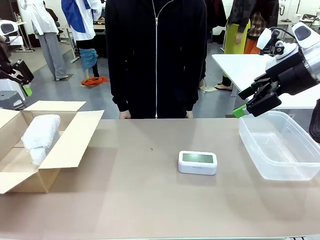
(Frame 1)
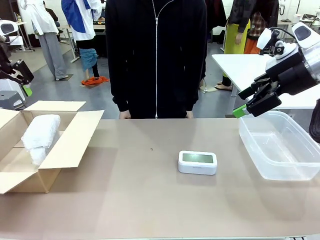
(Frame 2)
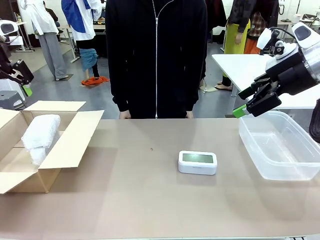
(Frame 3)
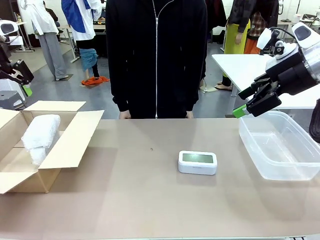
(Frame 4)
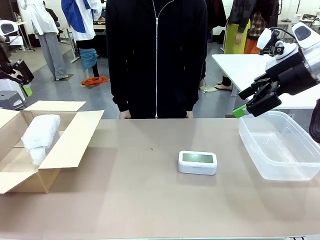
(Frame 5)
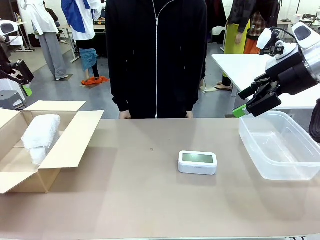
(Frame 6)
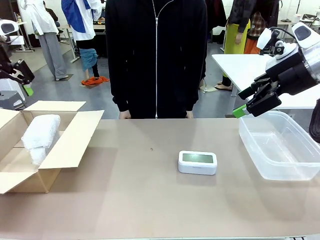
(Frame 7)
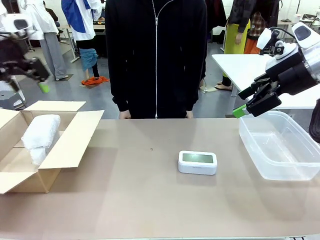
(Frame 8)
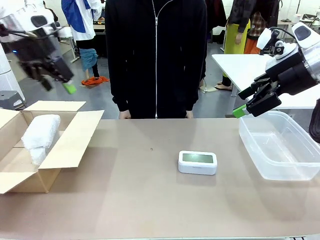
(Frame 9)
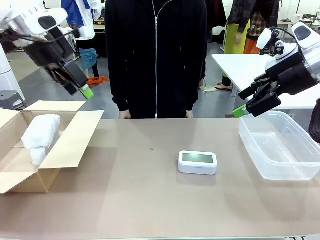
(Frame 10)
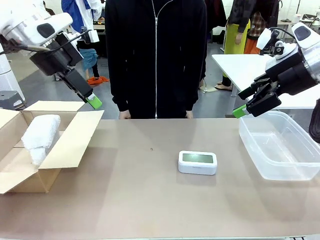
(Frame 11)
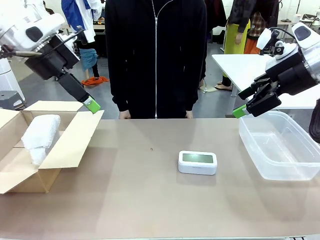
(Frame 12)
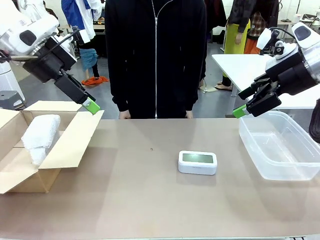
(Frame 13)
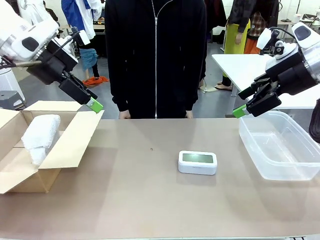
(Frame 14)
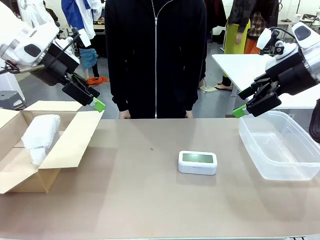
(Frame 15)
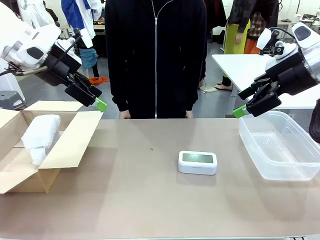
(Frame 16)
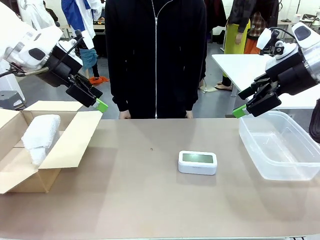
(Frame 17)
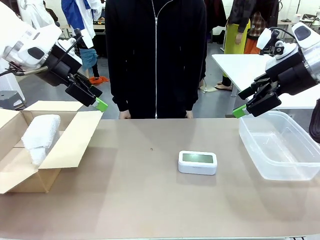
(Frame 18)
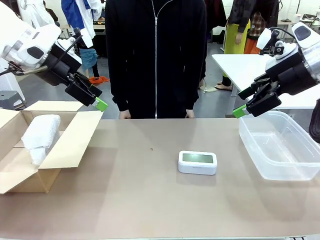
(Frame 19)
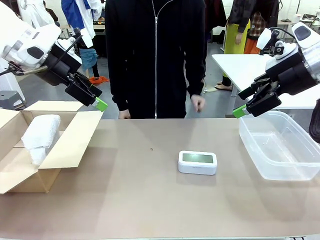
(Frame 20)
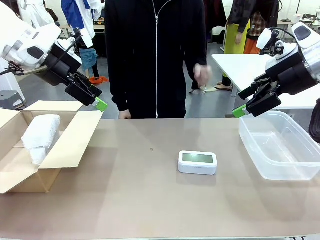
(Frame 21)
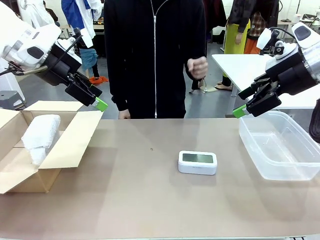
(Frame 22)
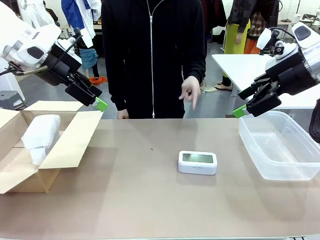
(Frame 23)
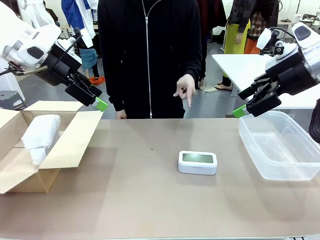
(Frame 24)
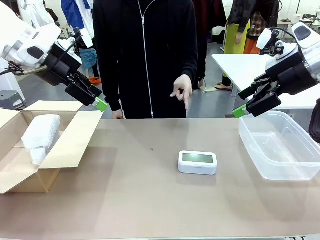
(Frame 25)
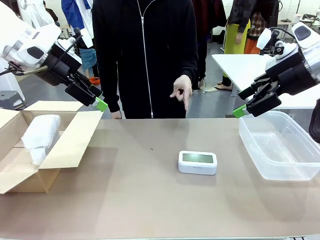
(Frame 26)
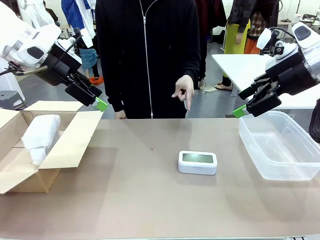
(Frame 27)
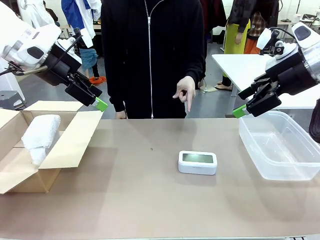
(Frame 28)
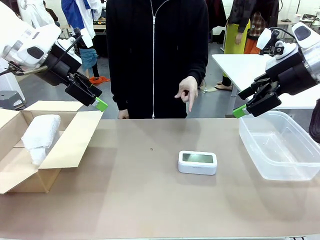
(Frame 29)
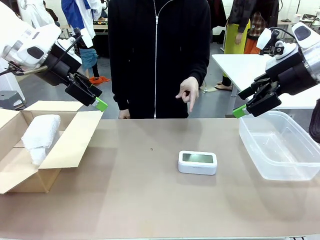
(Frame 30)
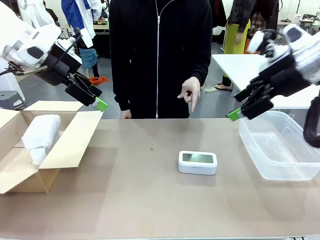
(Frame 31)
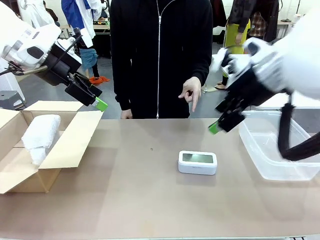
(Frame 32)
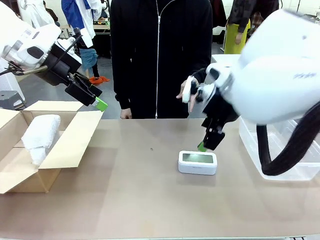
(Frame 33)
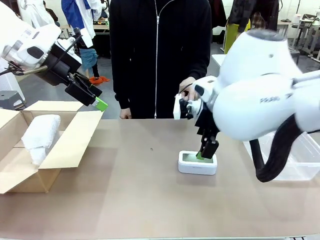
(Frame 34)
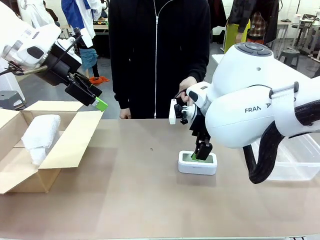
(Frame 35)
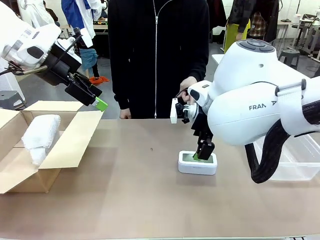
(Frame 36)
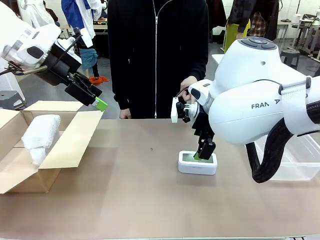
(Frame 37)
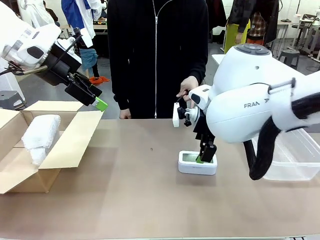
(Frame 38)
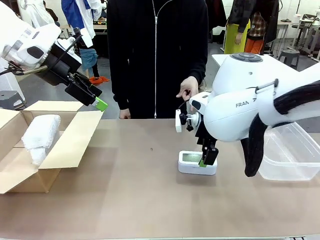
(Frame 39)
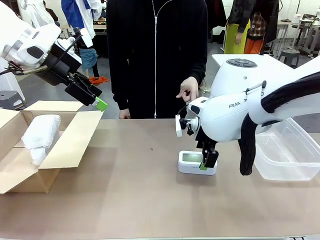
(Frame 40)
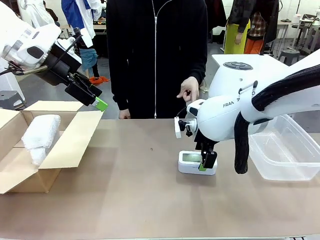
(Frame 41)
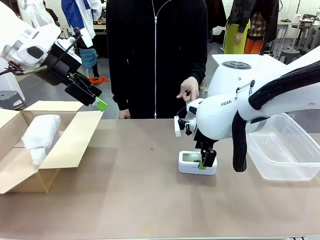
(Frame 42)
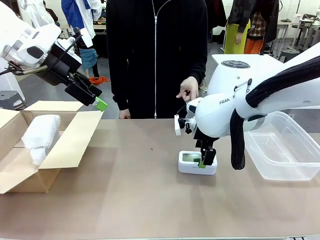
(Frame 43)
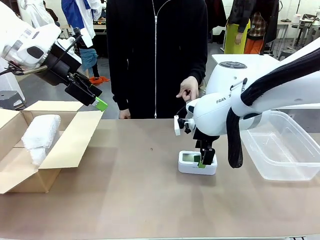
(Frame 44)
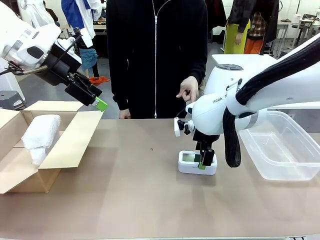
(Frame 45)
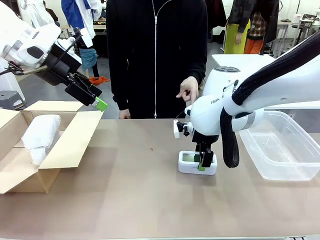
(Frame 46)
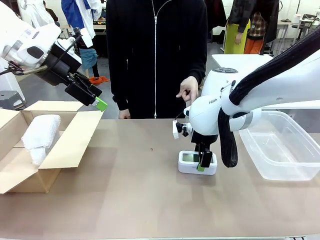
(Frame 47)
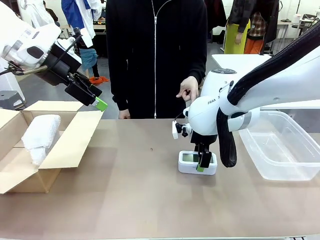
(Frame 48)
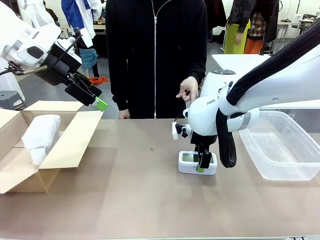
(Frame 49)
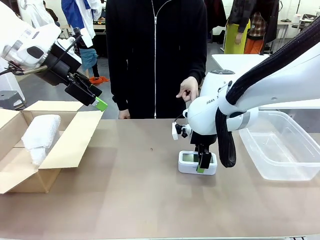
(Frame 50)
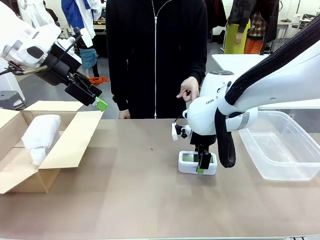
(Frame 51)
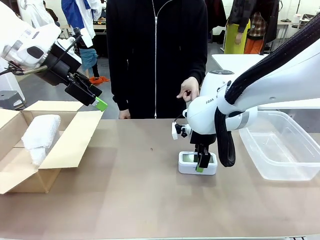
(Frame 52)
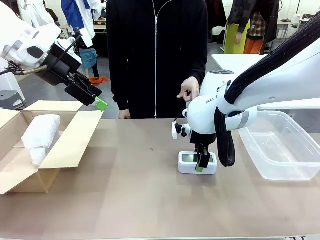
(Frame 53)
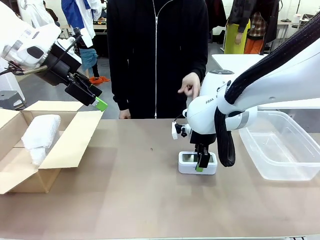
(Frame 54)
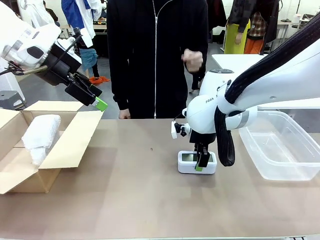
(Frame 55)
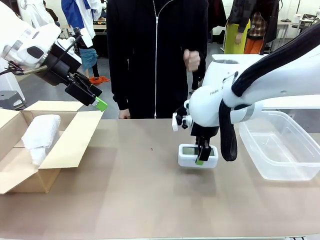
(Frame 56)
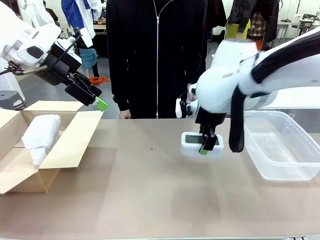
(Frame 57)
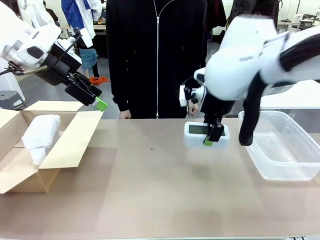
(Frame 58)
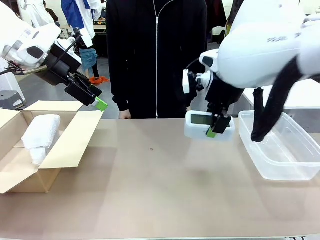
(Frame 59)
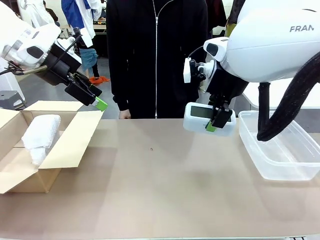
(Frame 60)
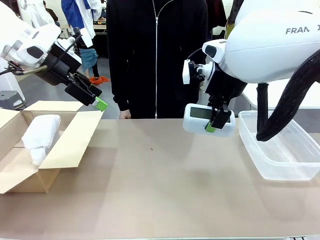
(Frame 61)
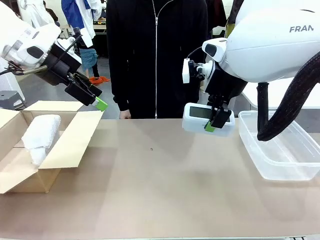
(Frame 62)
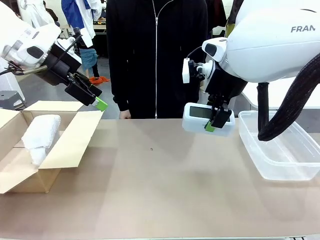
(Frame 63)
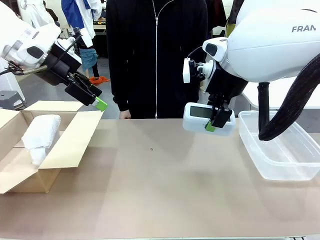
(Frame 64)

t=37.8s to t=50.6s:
Task: Separate and place wrapped and unwrapped clocks.
Robot: Pick up the Digital clock indicated by the person.

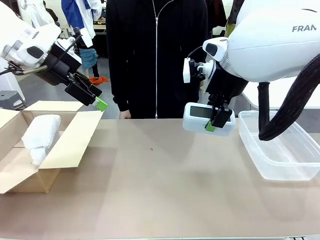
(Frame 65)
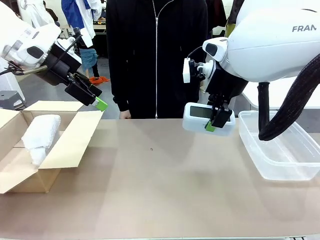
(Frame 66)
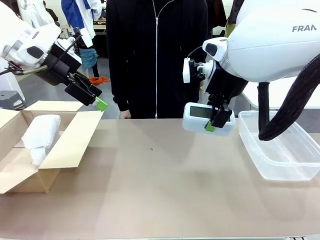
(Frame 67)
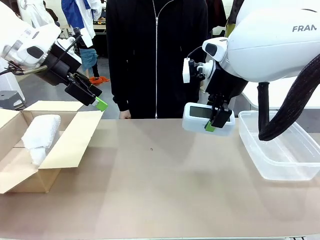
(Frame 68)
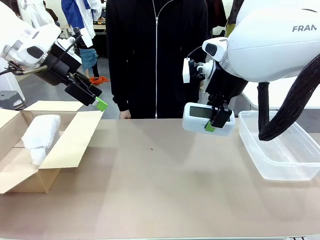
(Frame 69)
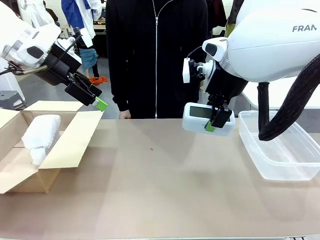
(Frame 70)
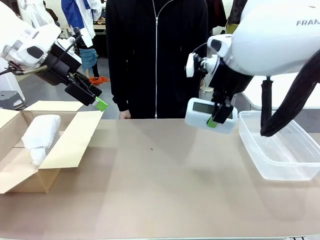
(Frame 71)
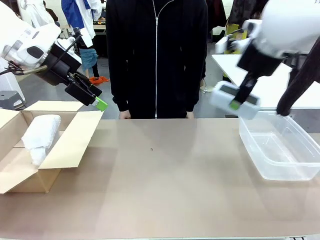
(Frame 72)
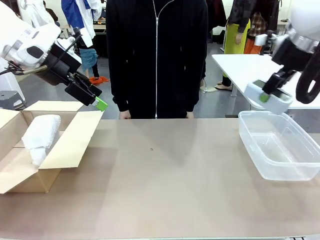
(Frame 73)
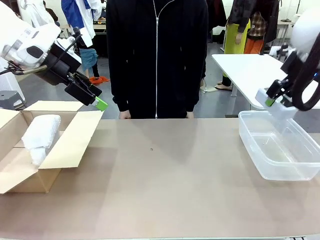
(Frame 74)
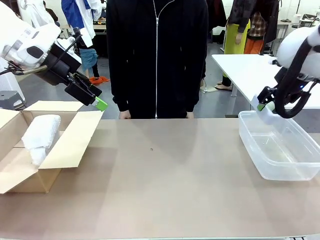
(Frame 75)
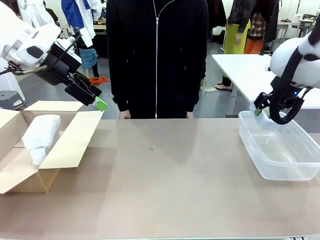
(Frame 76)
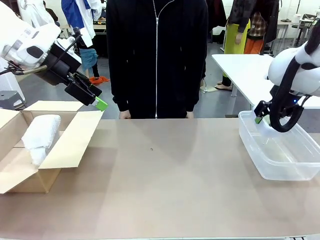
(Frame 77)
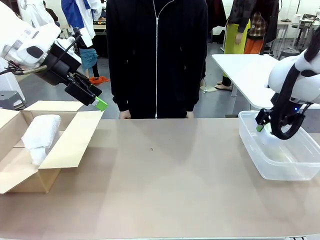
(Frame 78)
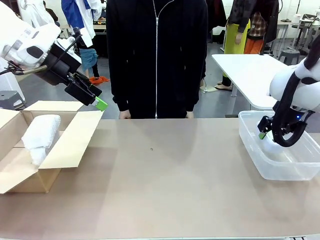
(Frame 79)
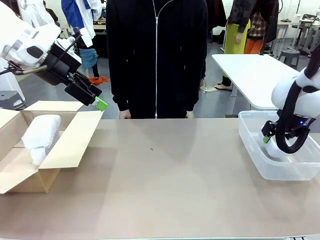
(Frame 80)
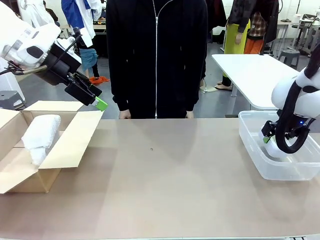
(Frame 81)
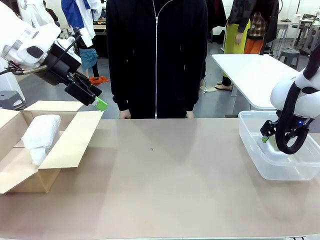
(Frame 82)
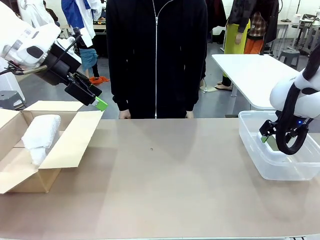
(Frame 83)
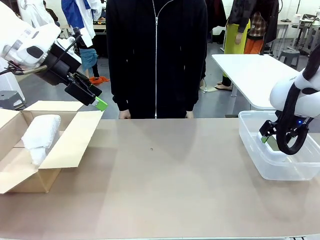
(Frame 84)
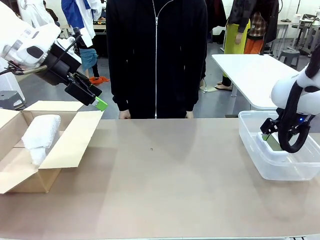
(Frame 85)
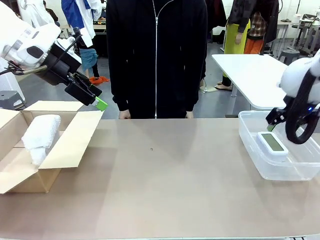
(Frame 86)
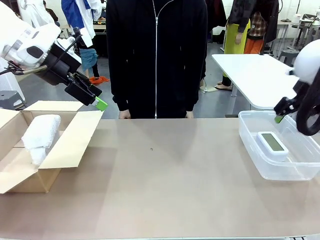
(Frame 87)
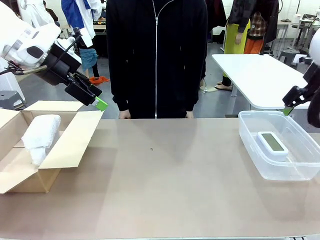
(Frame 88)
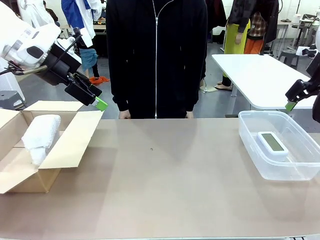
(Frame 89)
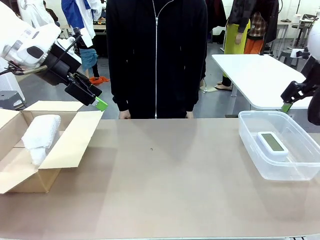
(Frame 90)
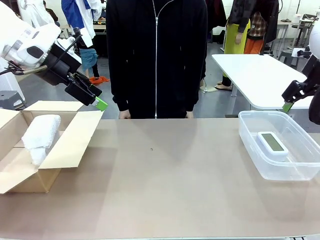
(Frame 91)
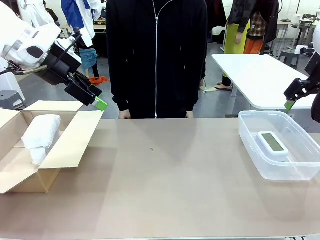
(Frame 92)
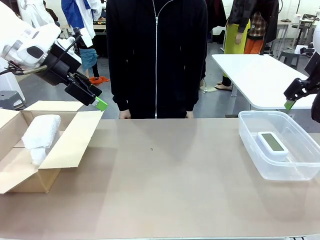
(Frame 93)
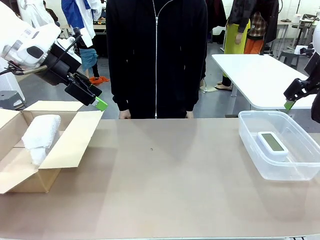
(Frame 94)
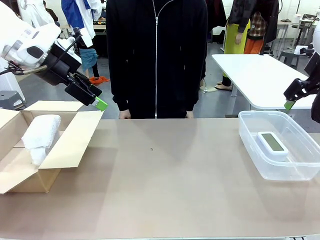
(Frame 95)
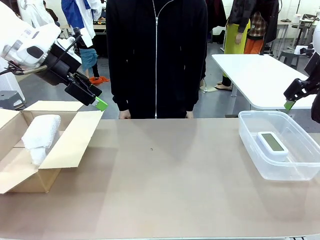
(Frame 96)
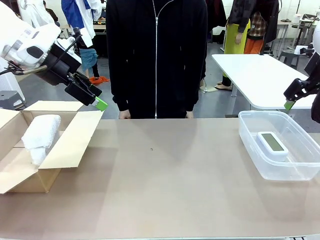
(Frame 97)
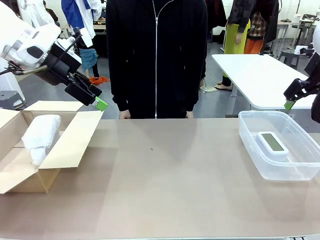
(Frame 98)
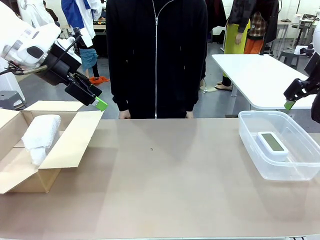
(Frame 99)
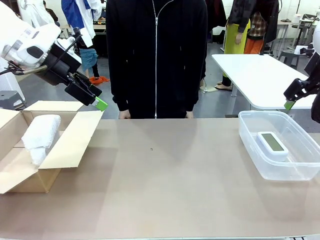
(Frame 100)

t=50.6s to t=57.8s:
Robot: If the picked Digital clock is wrapped, place it in the Package Box ; if not, place it in the Organizing box.
